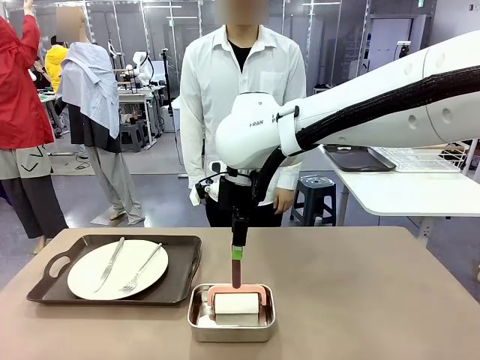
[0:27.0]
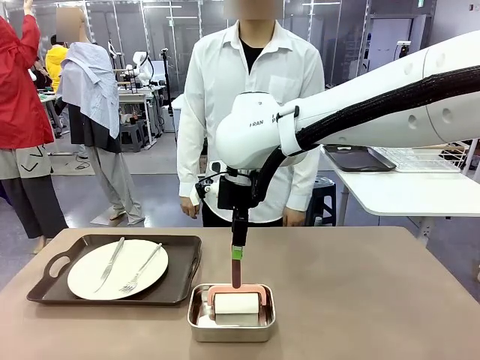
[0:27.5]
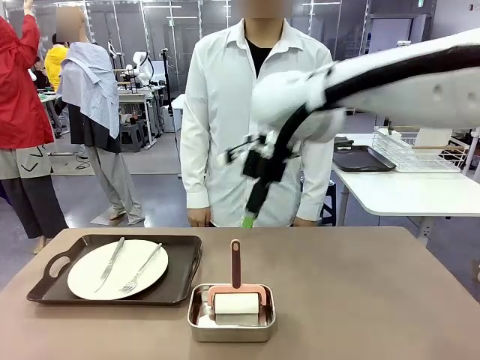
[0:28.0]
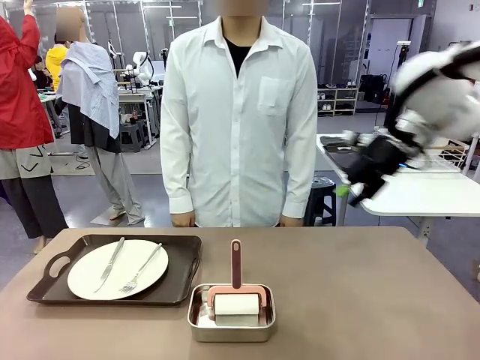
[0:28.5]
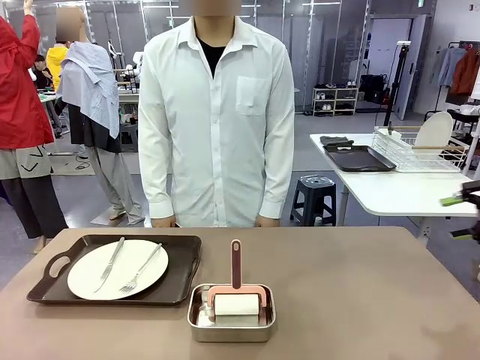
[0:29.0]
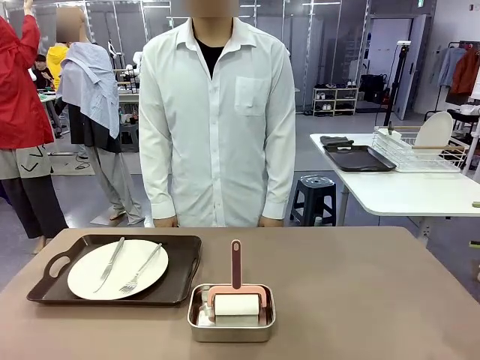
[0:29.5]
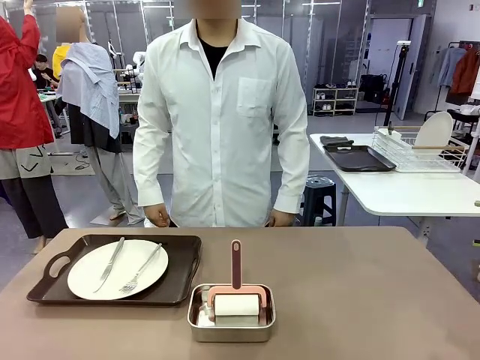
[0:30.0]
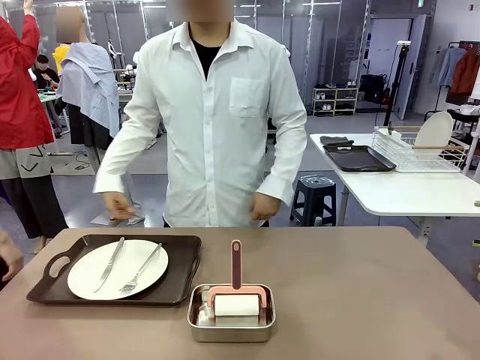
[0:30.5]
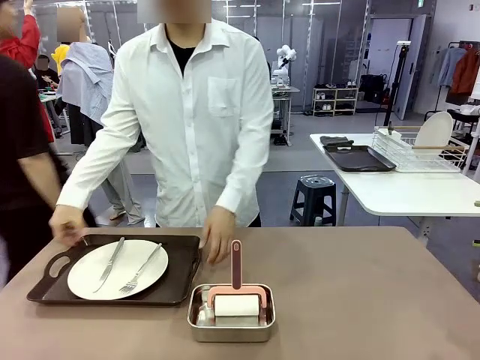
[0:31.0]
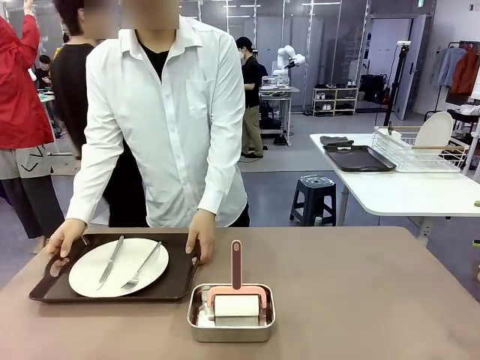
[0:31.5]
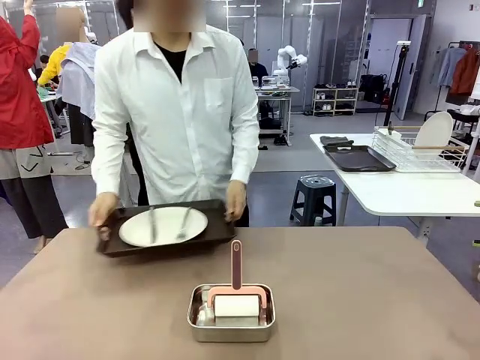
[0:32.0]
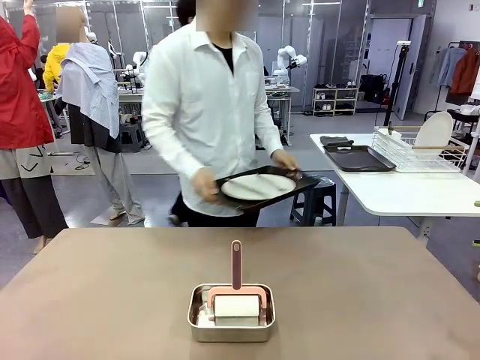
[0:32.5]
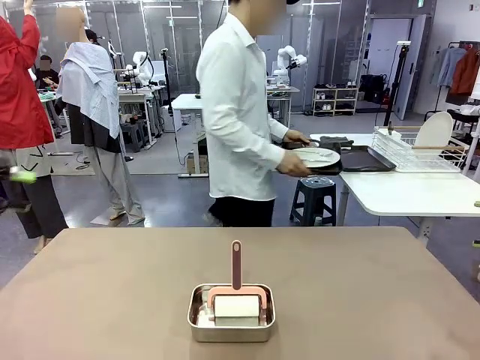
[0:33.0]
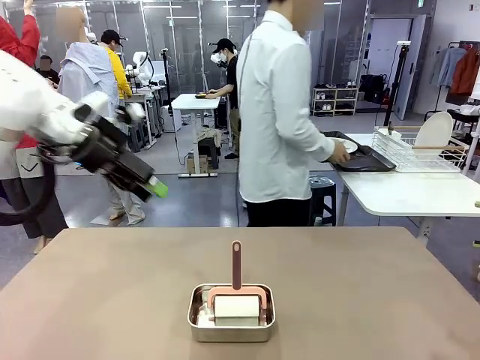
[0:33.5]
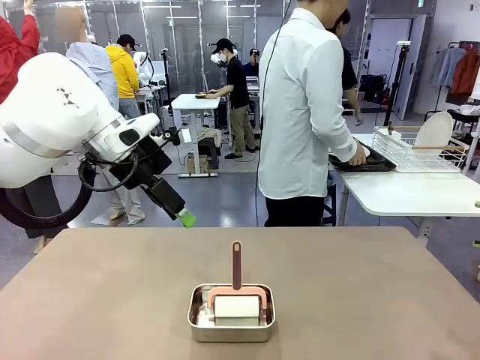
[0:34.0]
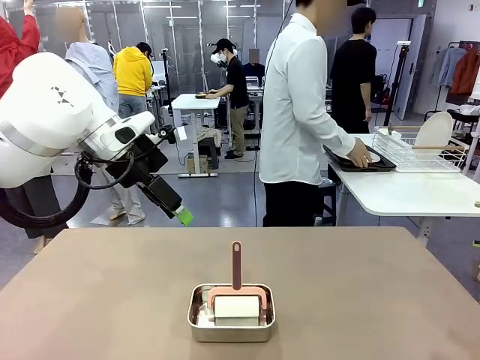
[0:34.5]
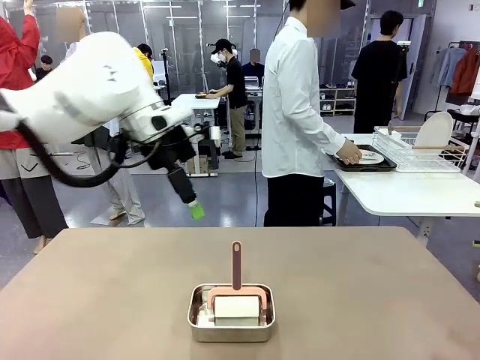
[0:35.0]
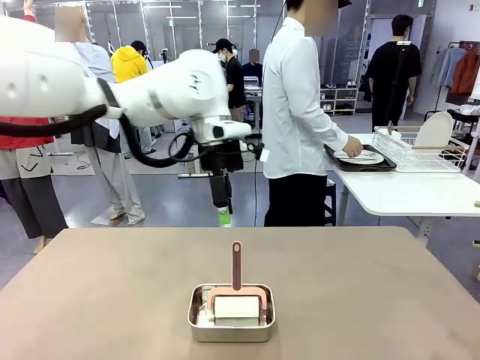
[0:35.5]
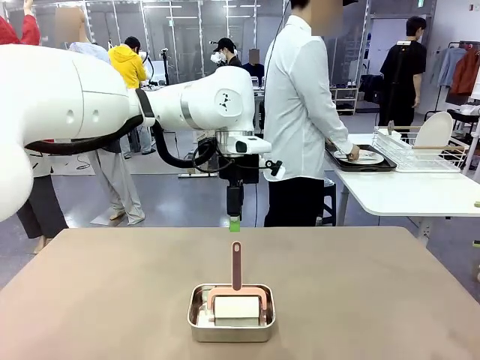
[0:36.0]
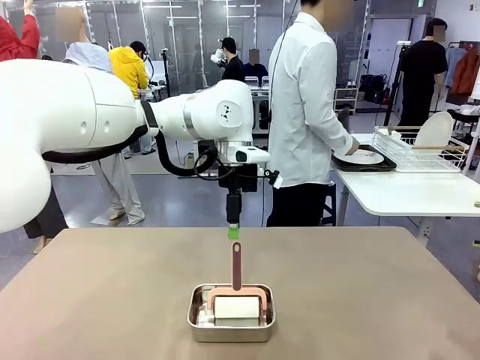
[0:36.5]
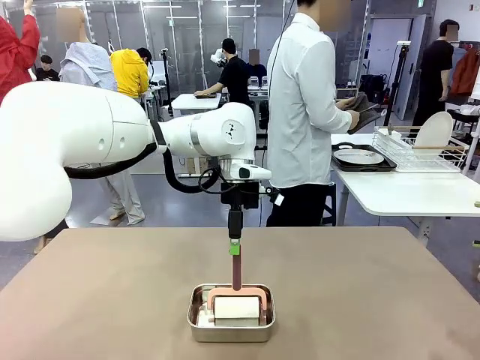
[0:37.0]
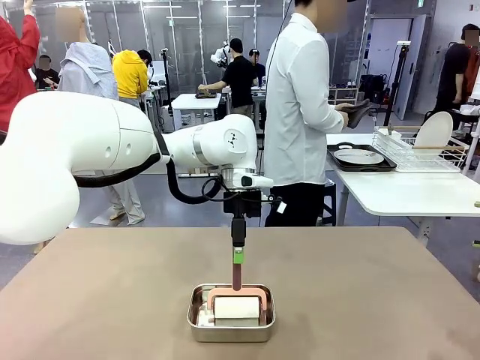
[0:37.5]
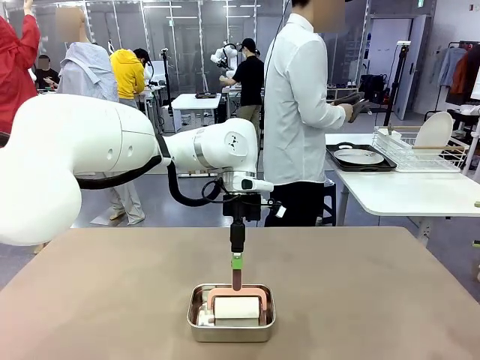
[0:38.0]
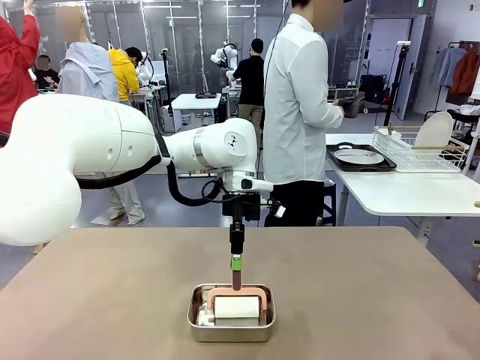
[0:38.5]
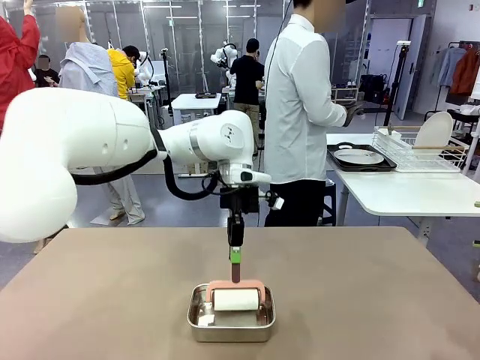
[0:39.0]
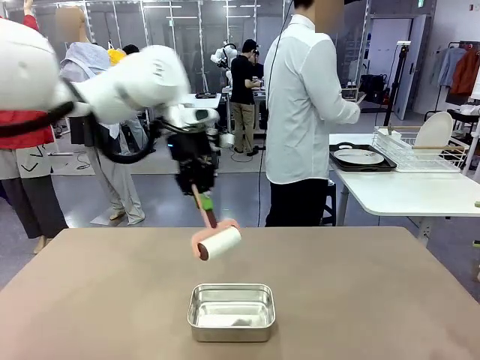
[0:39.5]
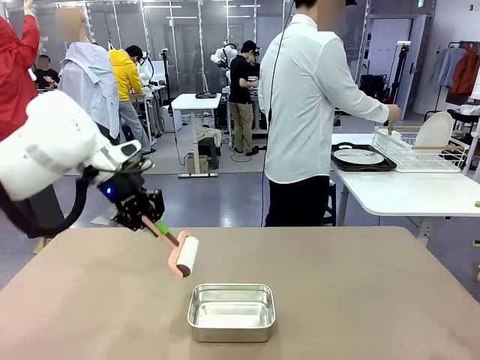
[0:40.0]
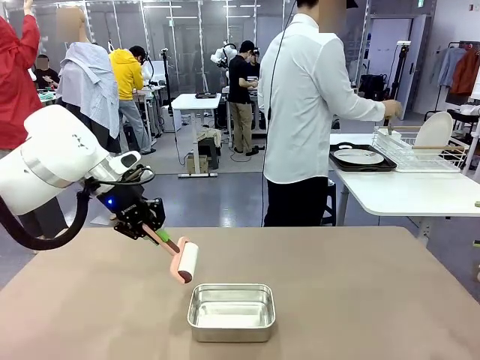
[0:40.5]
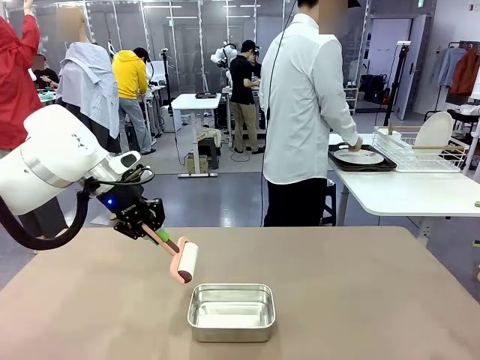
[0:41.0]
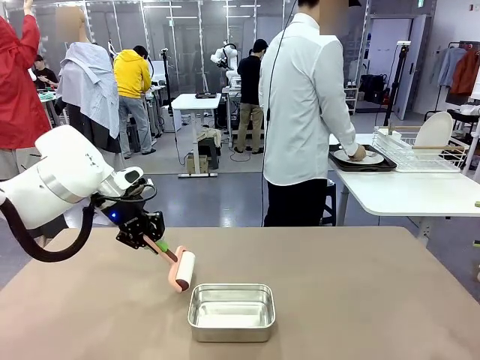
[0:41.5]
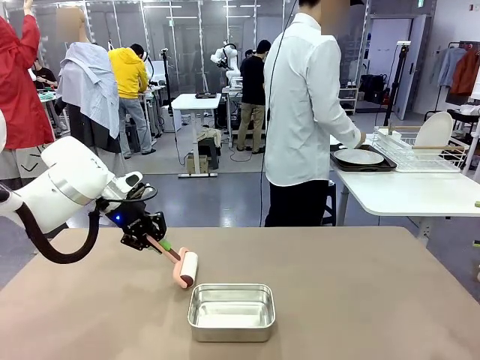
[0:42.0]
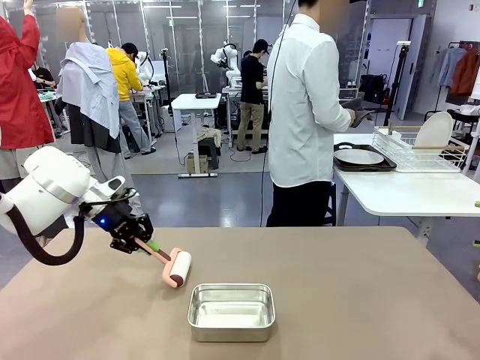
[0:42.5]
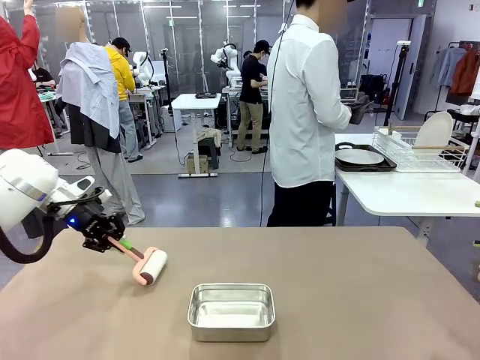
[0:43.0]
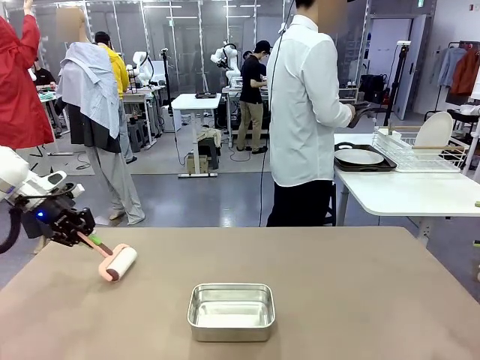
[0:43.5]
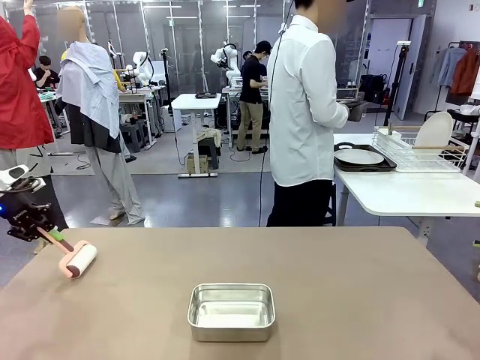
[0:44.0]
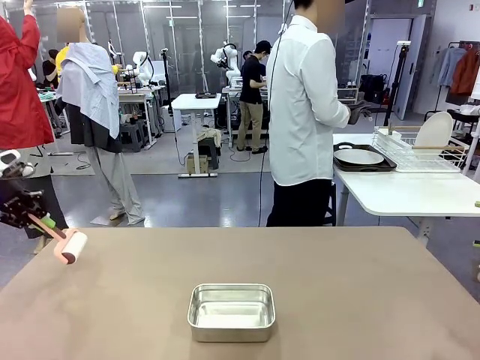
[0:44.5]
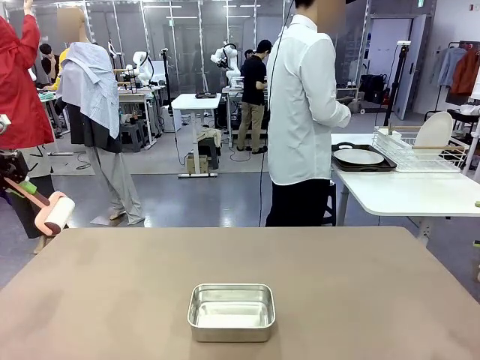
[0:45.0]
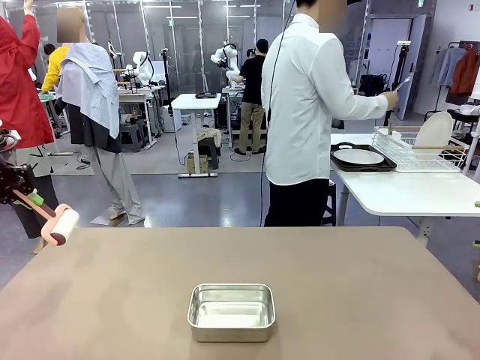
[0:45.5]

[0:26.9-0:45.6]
Robot: When the right (or left) Handle tray is removed, use the right hand (or left hand) to clean the right (or left) side of the table with the Lint Roller.
Person: Pick up the left (or right) Handle tray and place it on the Handle tray.

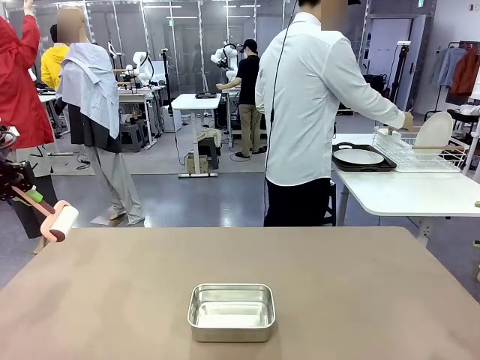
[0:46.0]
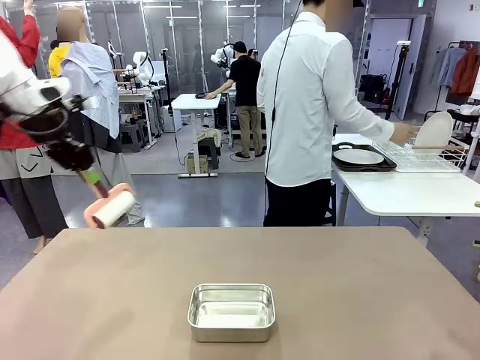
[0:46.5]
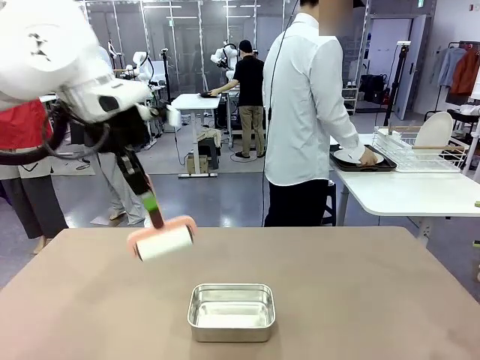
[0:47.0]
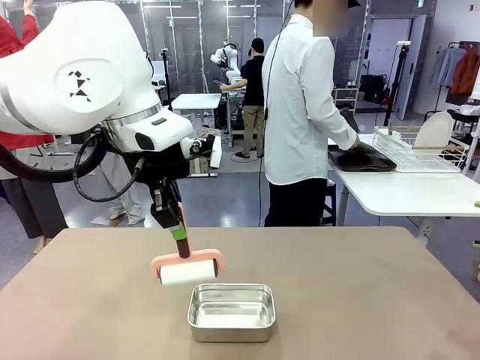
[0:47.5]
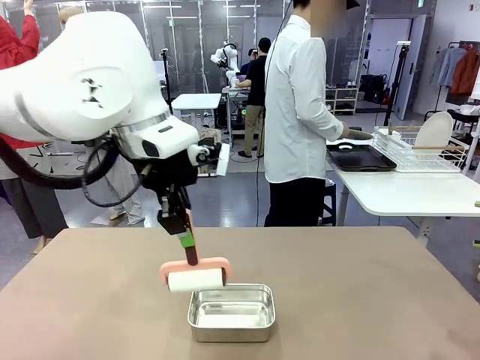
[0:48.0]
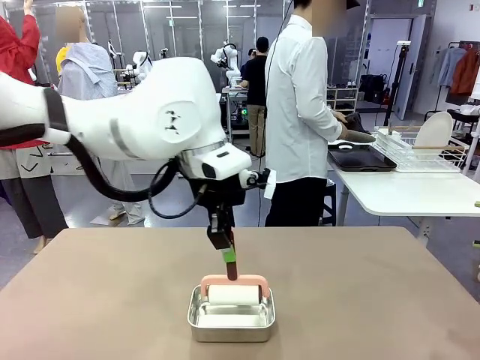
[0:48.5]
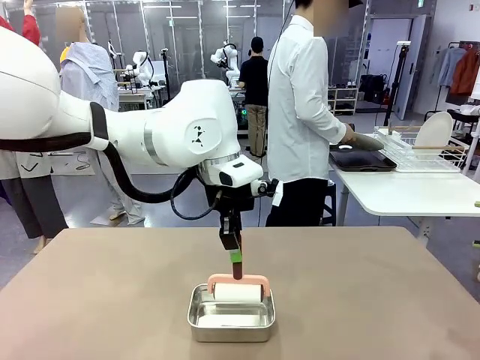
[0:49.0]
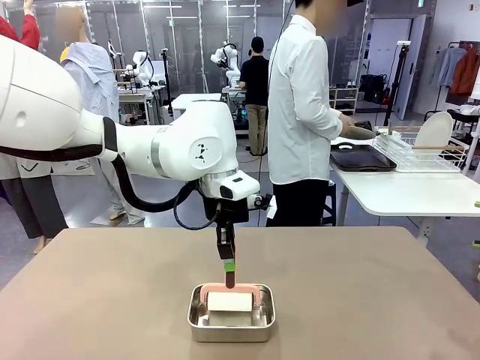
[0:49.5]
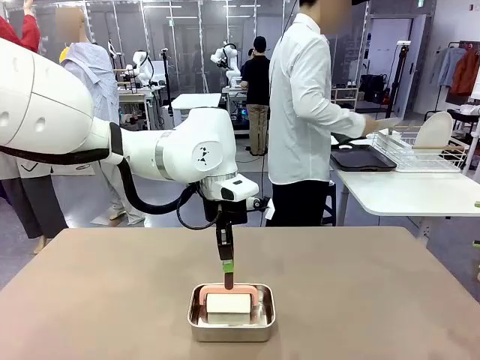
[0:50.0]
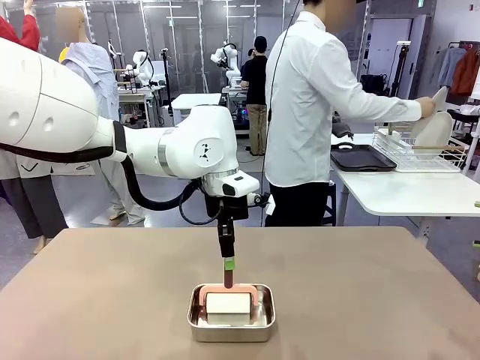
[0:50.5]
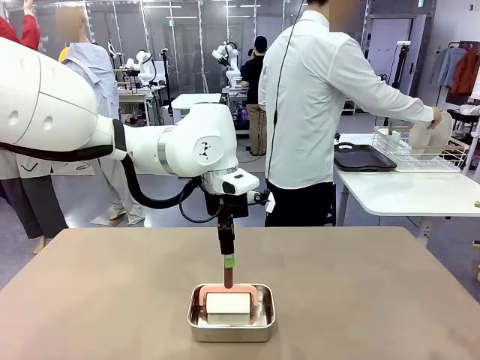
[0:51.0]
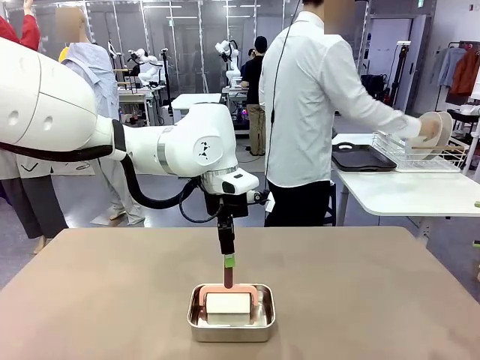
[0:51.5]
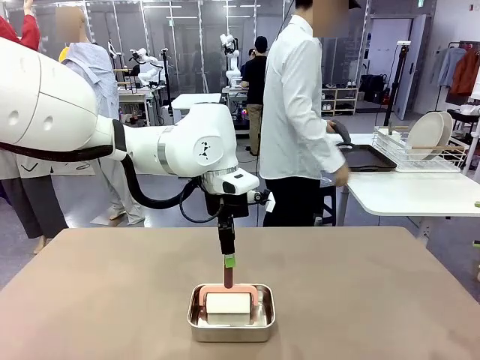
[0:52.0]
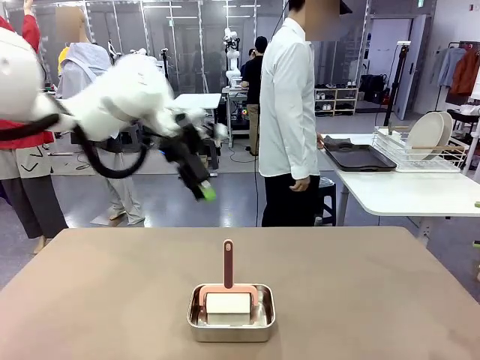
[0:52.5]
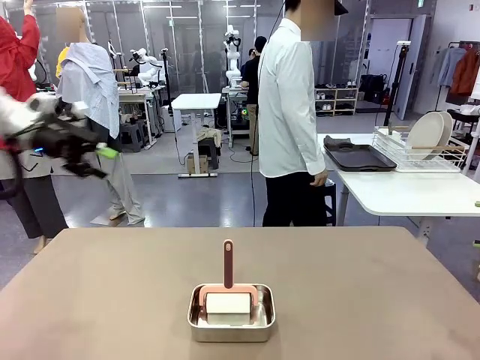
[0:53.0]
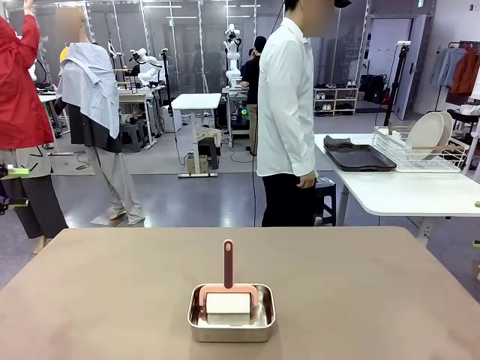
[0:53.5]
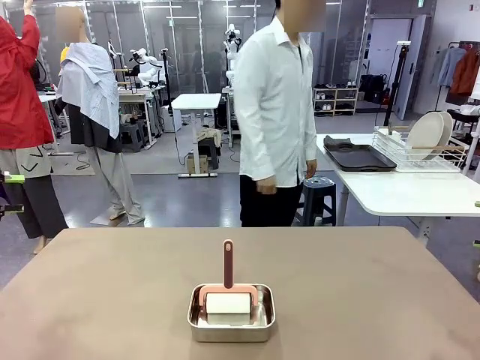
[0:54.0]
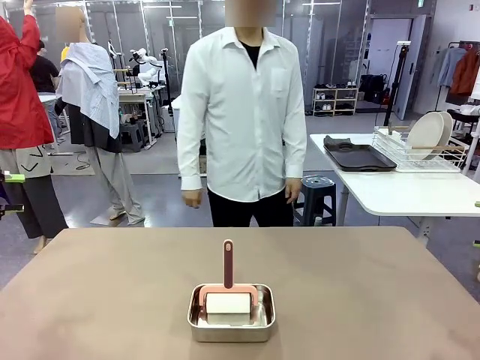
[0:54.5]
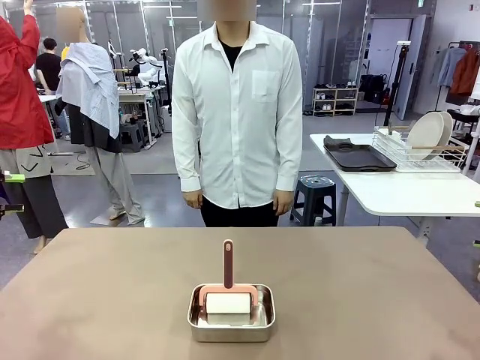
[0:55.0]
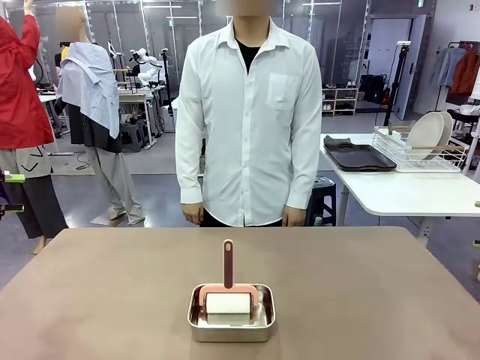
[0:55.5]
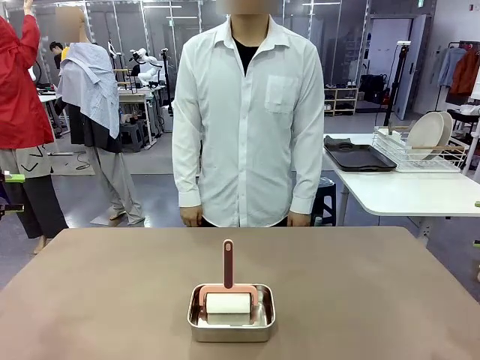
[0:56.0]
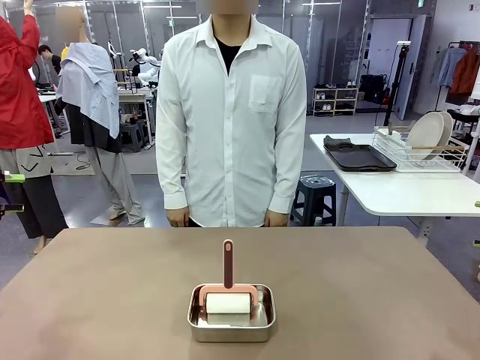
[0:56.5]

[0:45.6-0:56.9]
Robot: Place the Lint Roller back on top of the Airtight Container.
Person: Use the Towel with hook to wipe the Plastic Matte Plate , Fork , and Knife and place into the Dish drying rack.
